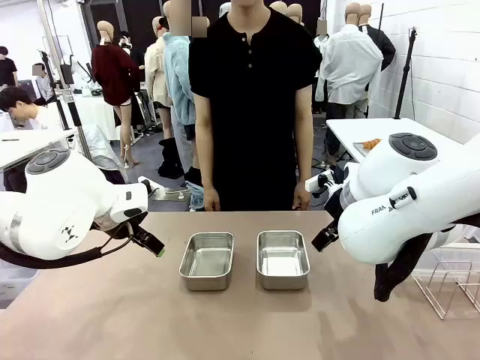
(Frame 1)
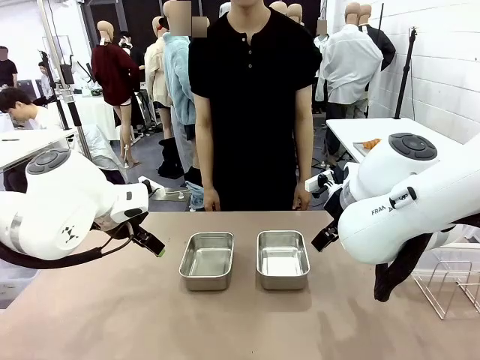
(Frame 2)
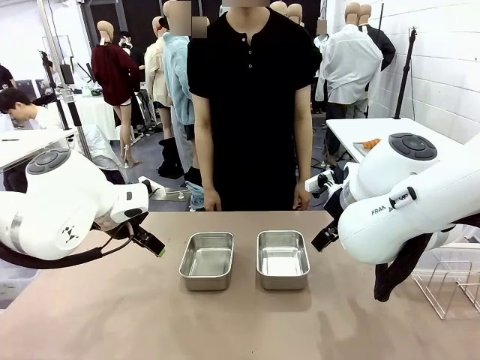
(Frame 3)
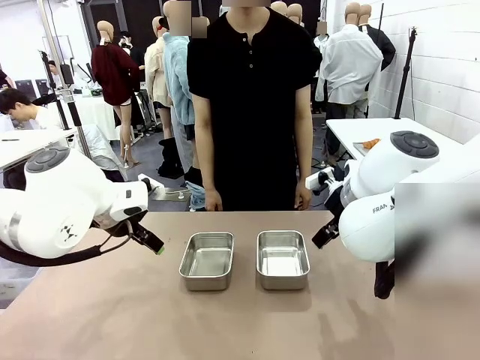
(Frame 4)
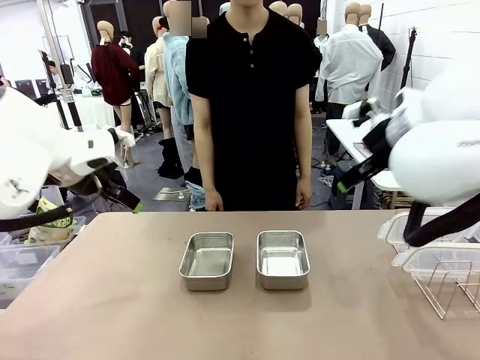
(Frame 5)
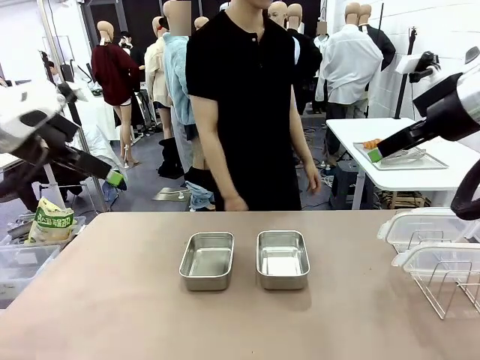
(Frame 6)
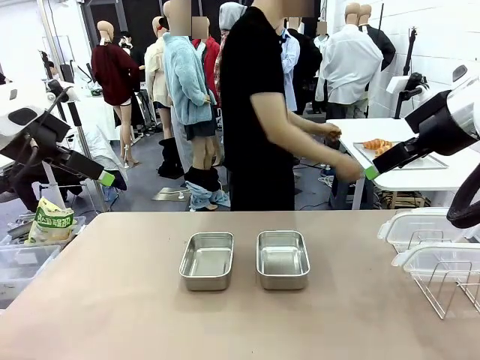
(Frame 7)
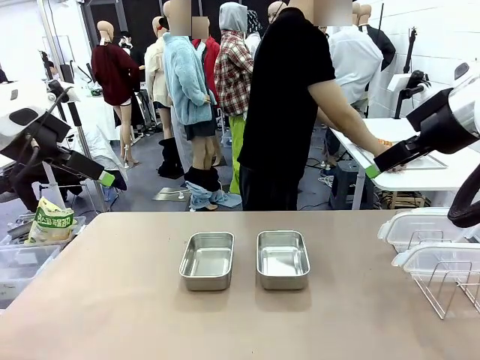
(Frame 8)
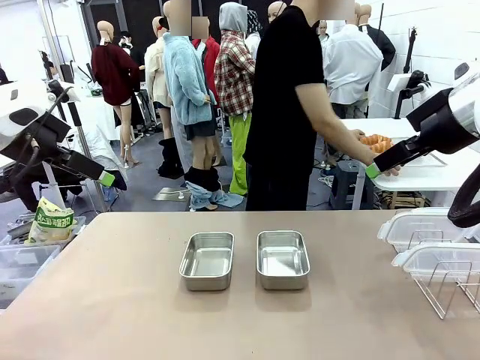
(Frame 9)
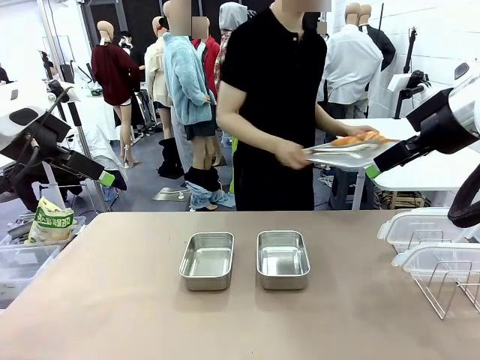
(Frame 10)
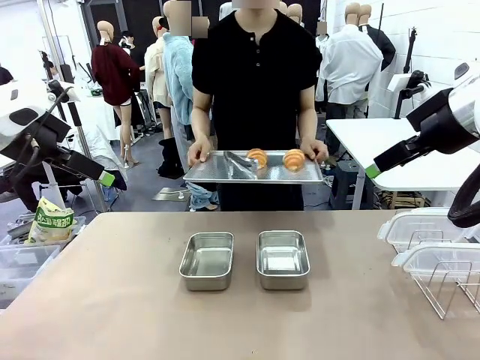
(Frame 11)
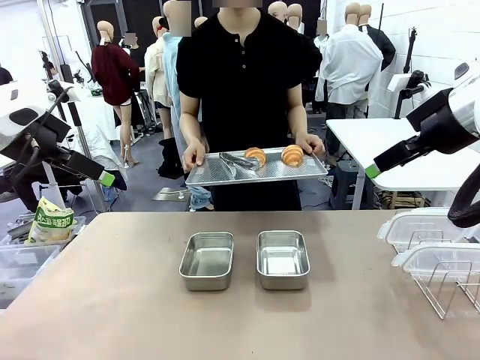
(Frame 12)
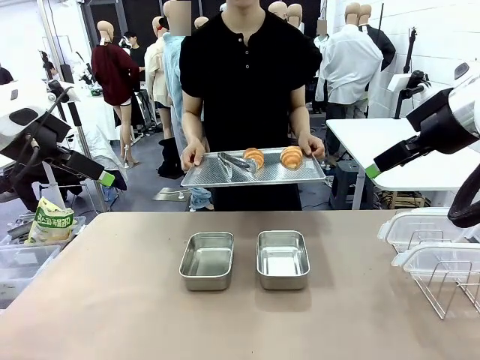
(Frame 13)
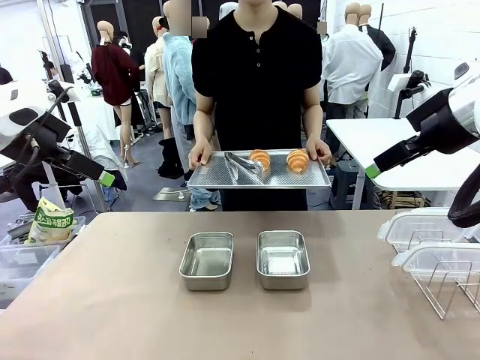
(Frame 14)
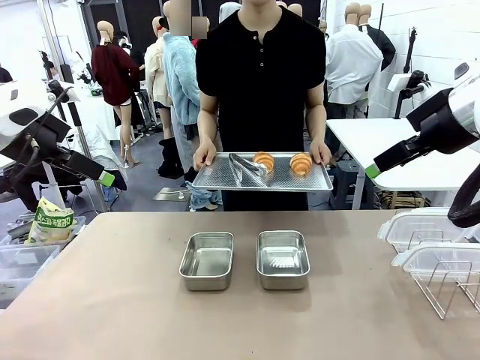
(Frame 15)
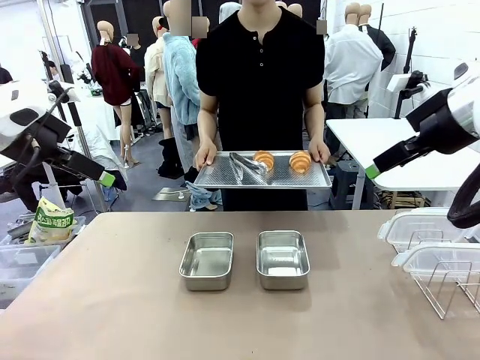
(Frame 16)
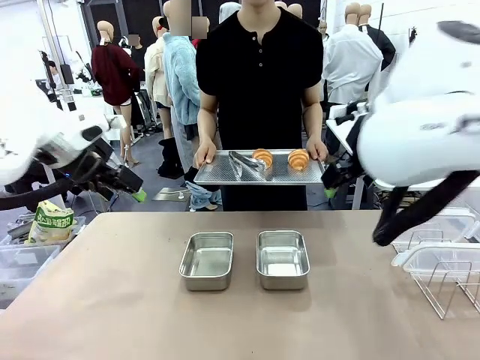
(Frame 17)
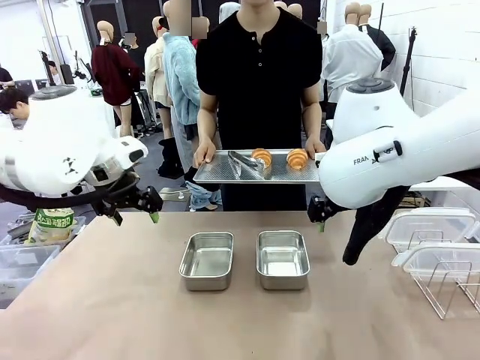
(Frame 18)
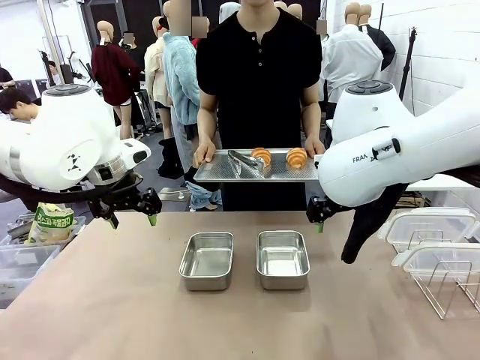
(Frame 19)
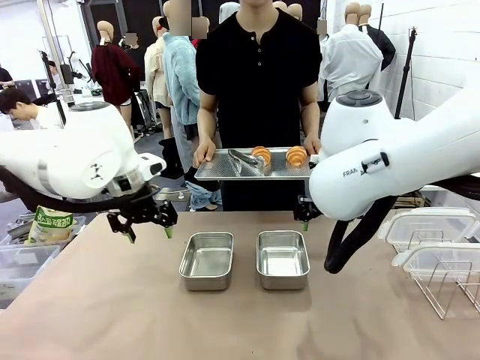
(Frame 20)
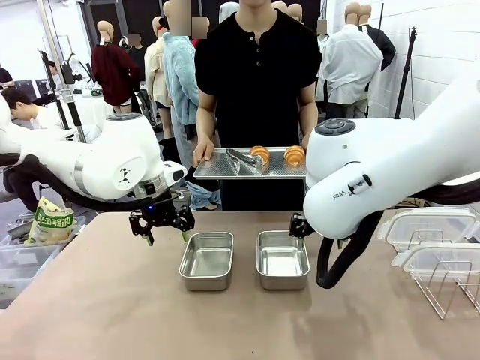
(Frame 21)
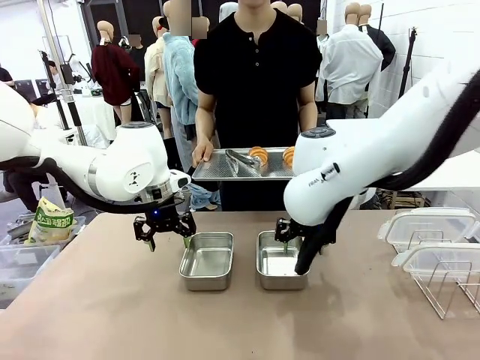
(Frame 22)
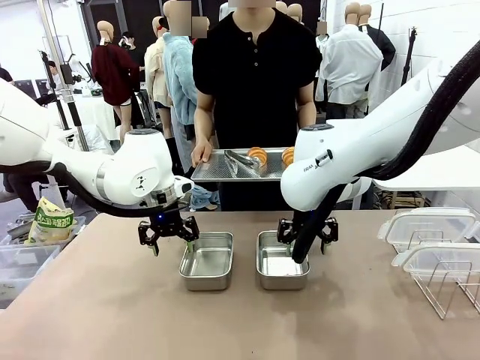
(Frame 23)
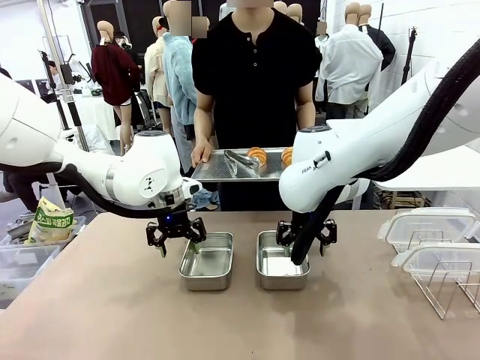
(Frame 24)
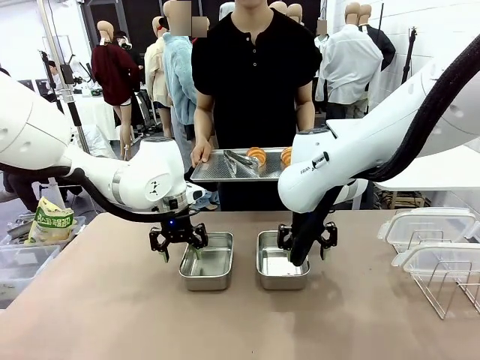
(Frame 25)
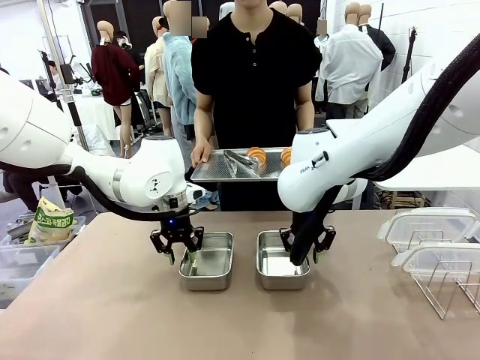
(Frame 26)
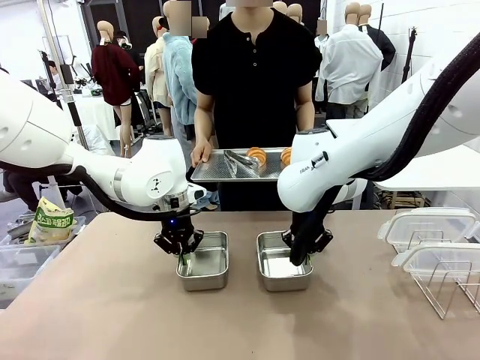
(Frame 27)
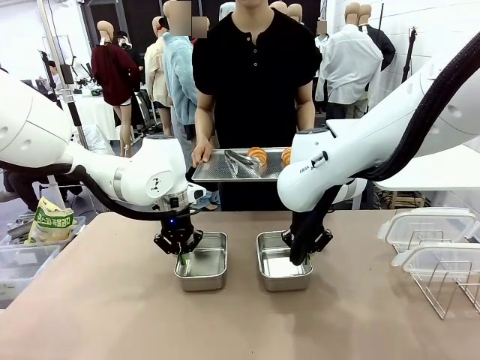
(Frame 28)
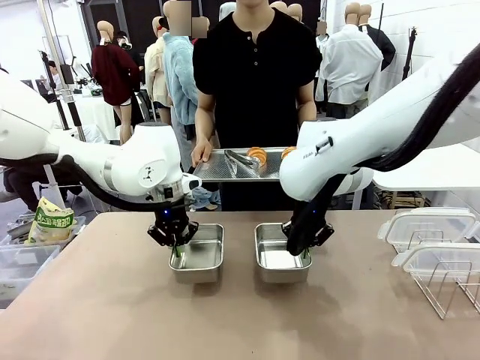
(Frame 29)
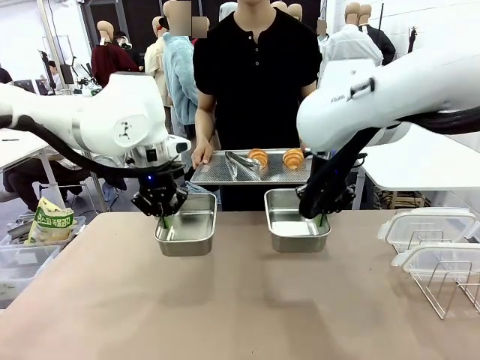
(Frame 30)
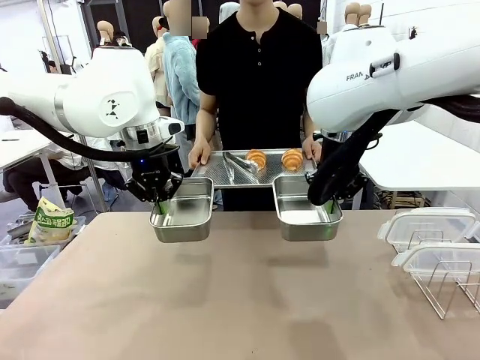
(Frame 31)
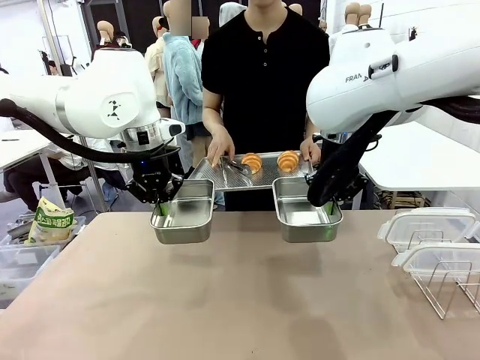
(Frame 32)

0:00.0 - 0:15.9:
Task: Place the bread in airtight containers.
Robot: Lift both Airtight Container.
Person: Bring the Baking Sheet in front of Robot's Table.

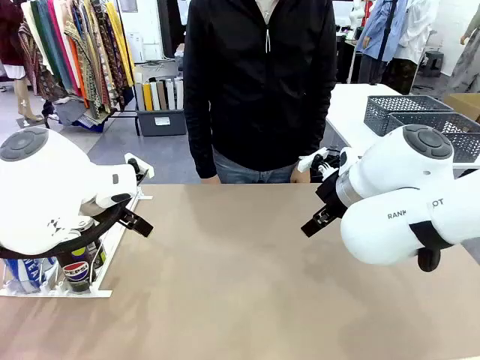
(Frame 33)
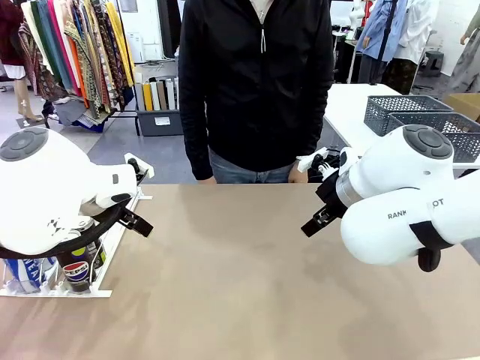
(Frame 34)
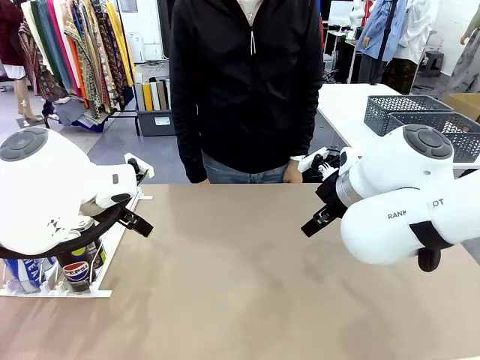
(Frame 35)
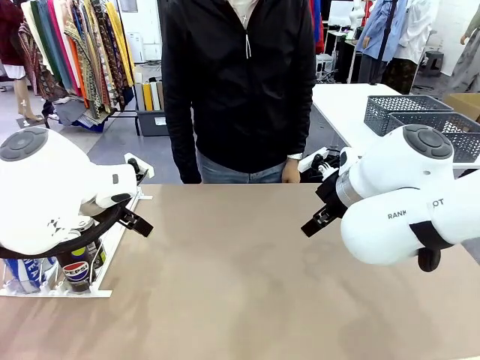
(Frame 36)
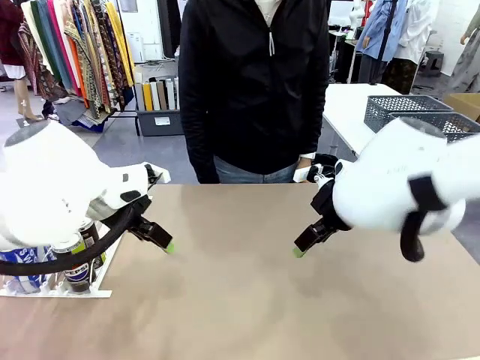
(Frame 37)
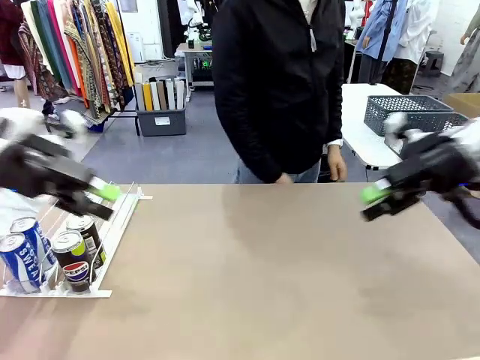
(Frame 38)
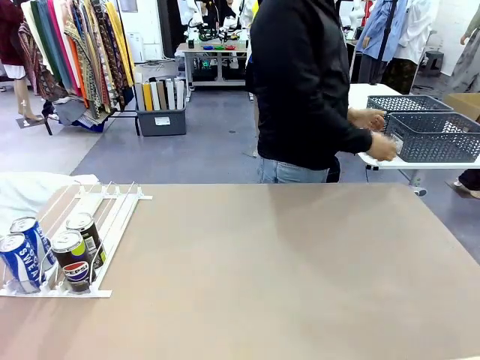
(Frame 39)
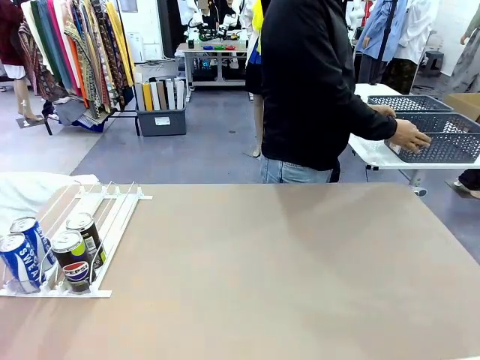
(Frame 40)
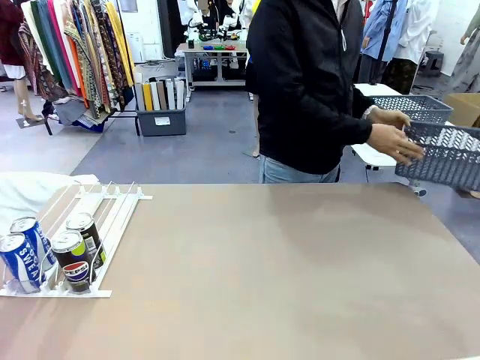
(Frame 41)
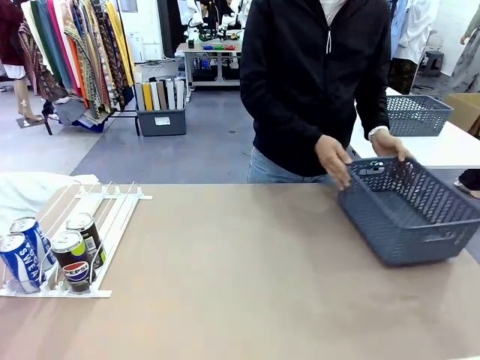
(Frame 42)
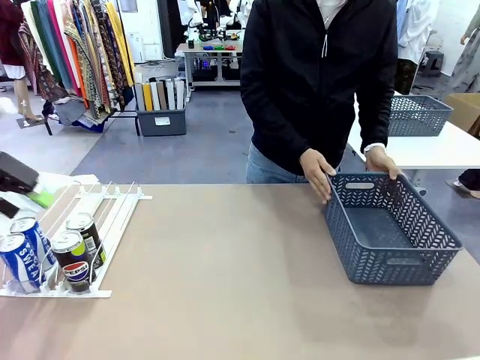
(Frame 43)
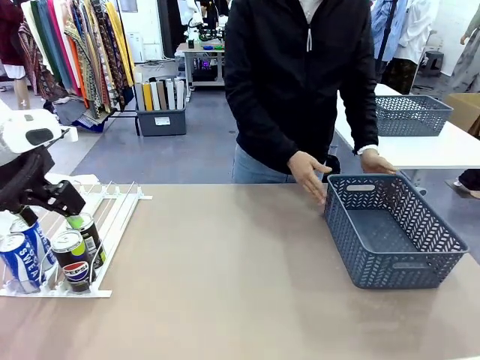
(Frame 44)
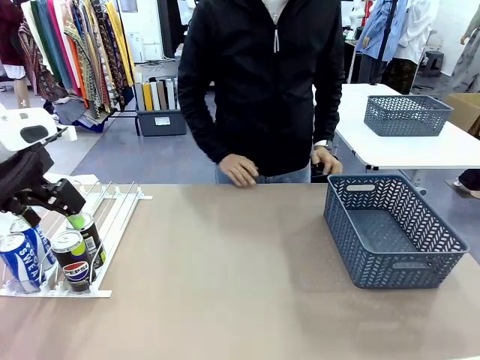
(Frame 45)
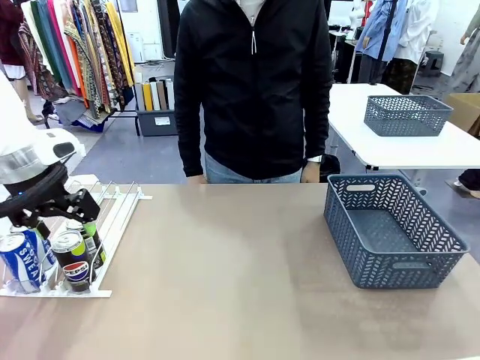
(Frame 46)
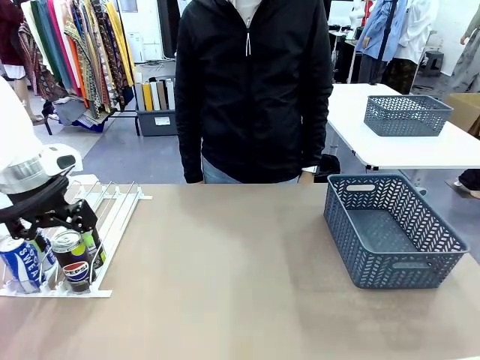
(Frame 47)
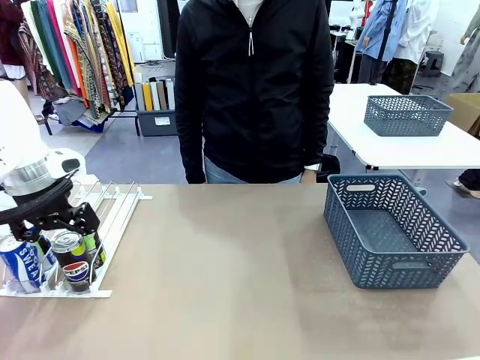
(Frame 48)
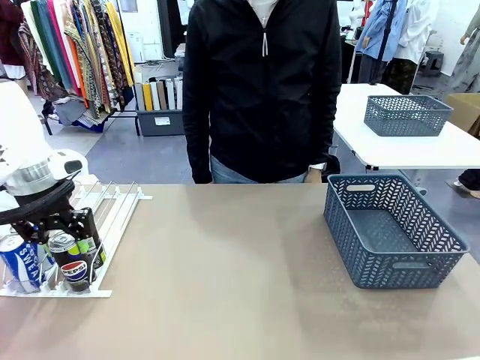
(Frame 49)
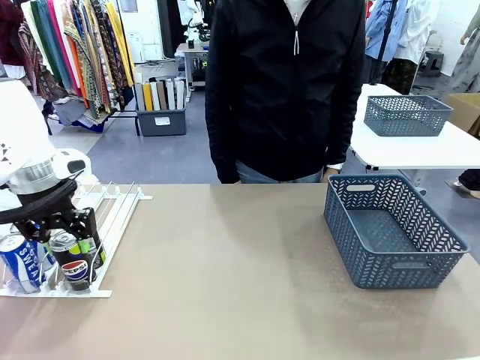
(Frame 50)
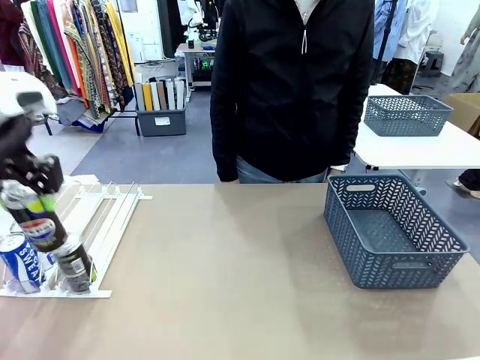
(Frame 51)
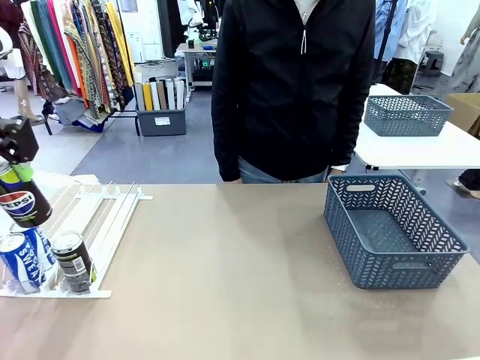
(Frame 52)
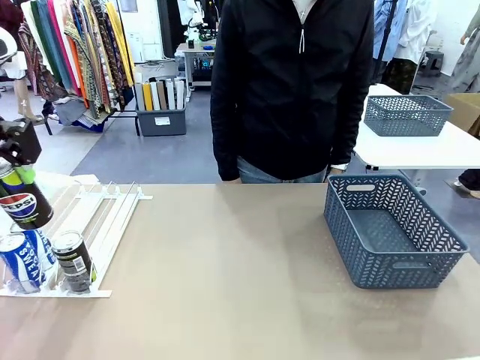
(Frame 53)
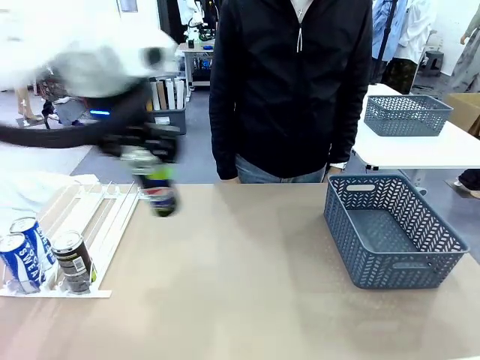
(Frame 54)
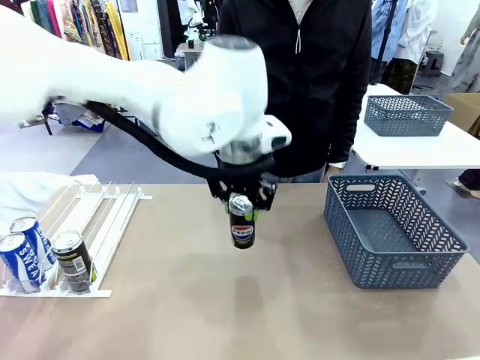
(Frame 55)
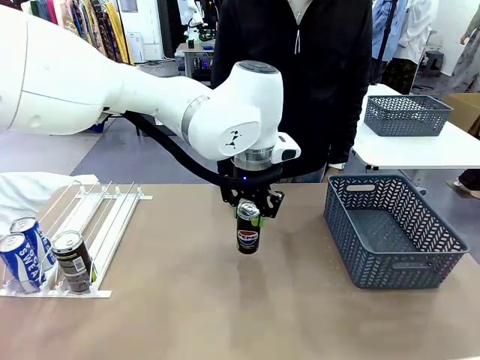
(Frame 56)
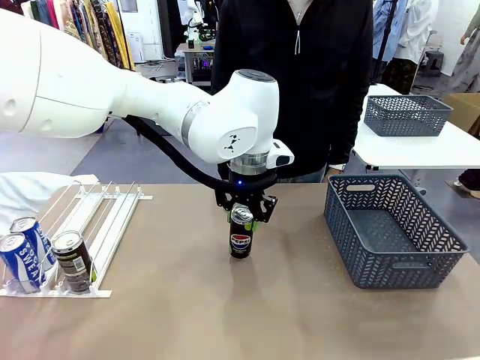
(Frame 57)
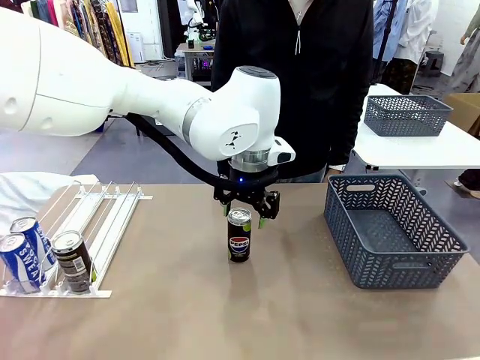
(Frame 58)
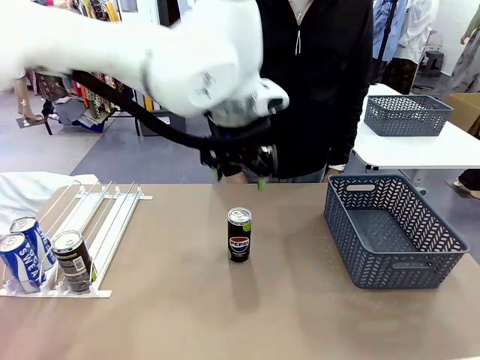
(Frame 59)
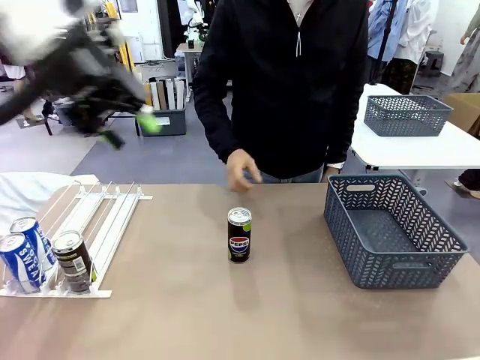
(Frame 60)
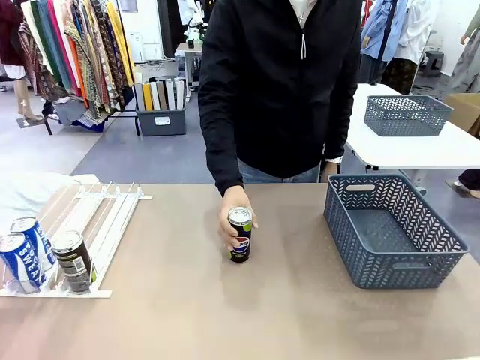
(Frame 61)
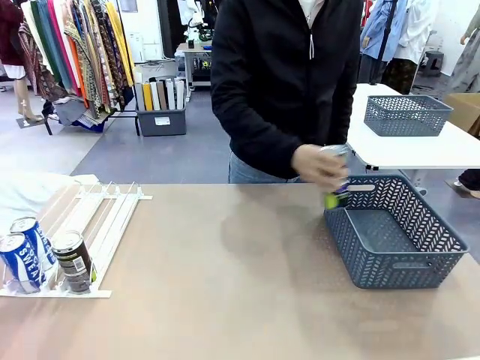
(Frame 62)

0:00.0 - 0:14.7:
Task: Retrieve and store the cans from the dispenser.
Robot: Pick up one can from the Automatic Can Dispenser and place it in the middle of the table.
Person: Pick up the basket and place it on the left side of the robot table.
